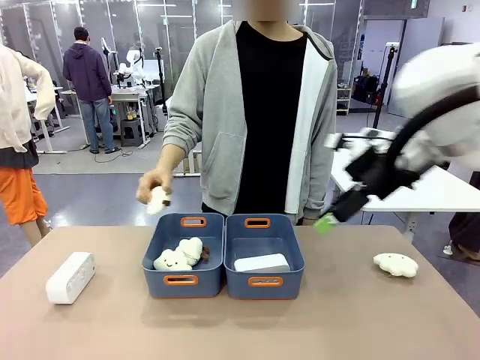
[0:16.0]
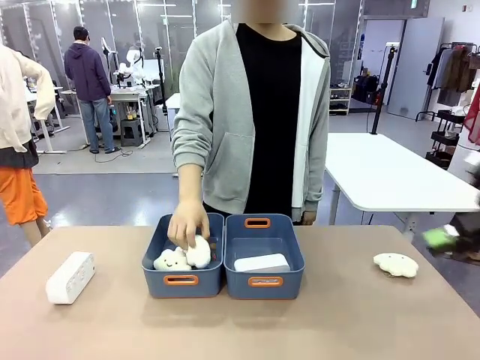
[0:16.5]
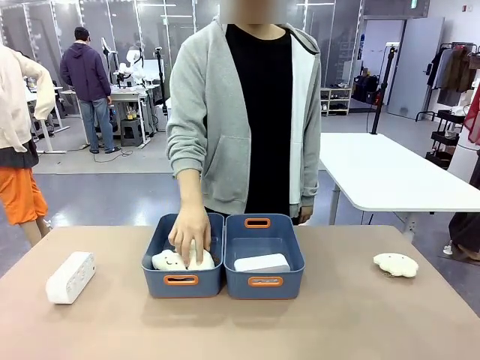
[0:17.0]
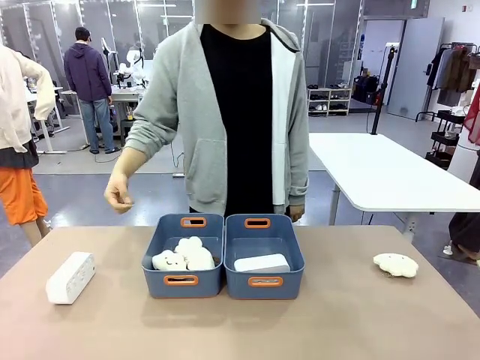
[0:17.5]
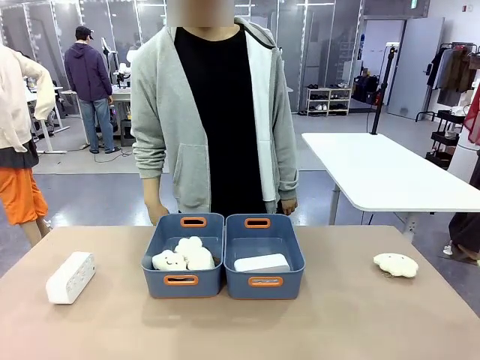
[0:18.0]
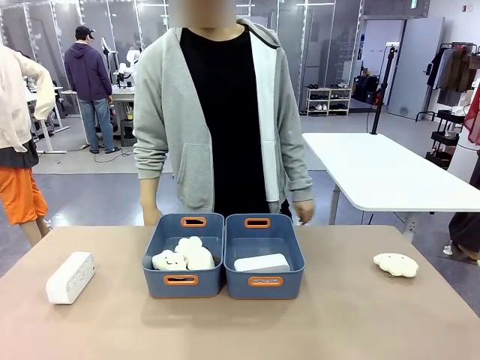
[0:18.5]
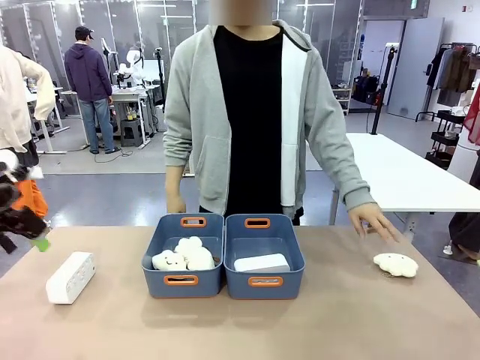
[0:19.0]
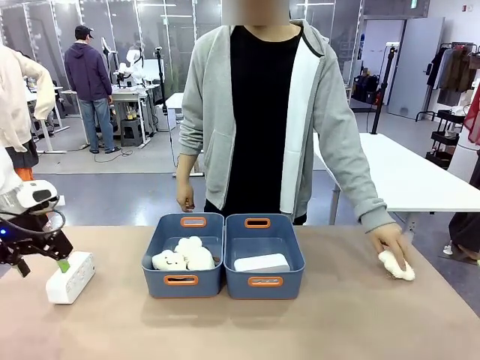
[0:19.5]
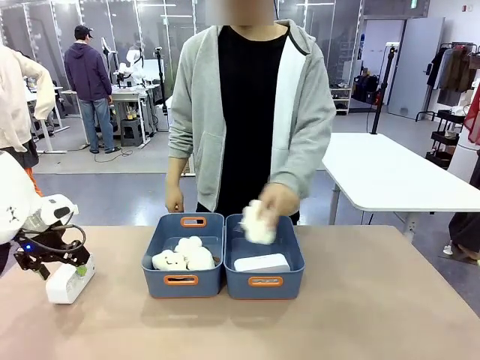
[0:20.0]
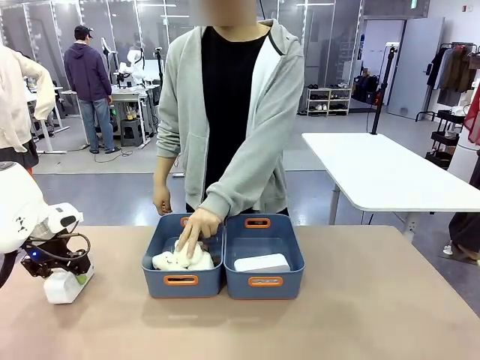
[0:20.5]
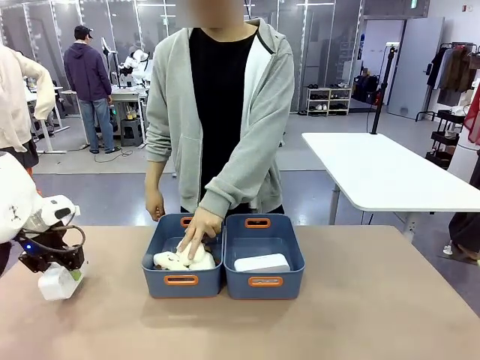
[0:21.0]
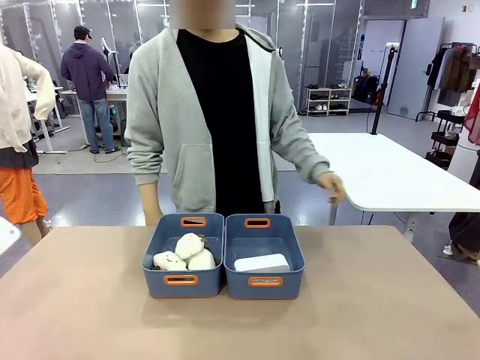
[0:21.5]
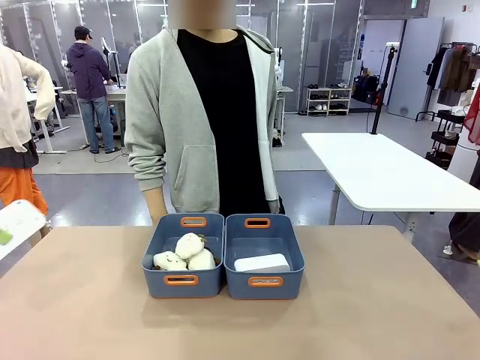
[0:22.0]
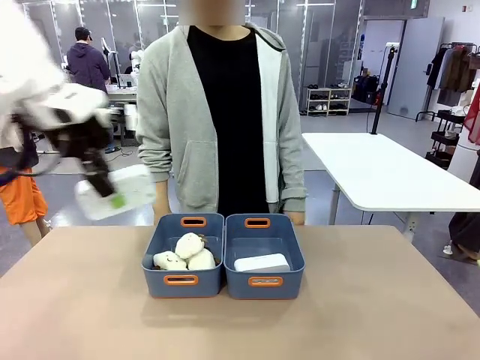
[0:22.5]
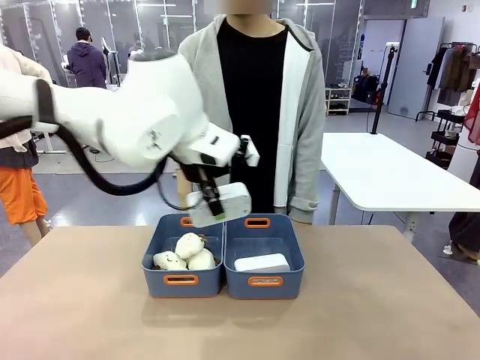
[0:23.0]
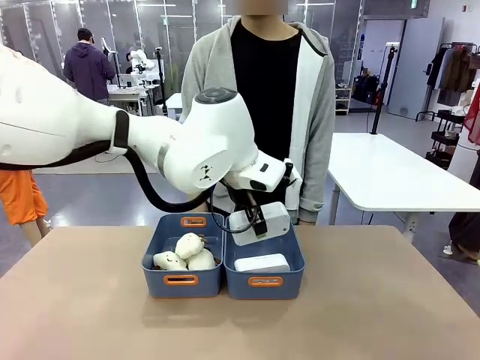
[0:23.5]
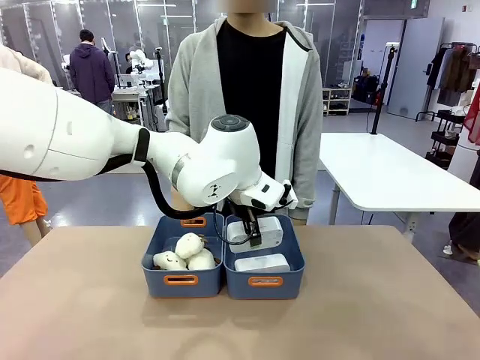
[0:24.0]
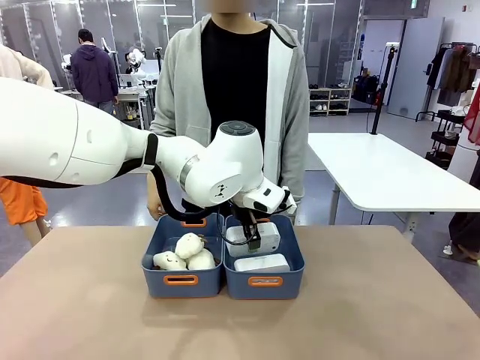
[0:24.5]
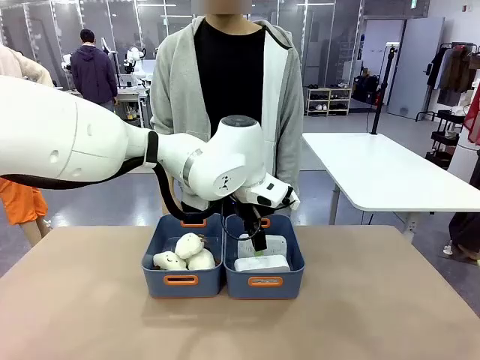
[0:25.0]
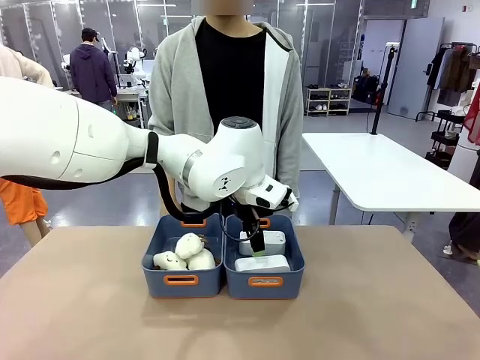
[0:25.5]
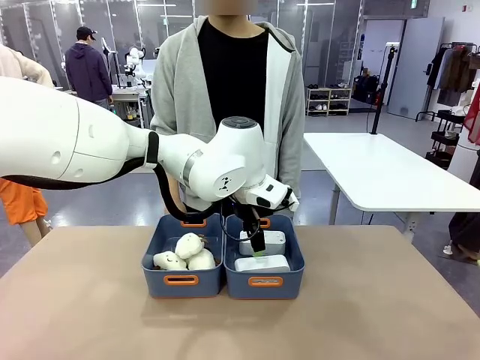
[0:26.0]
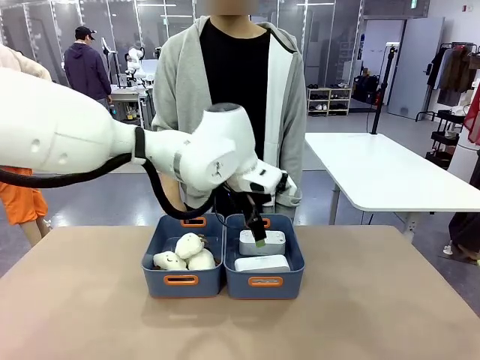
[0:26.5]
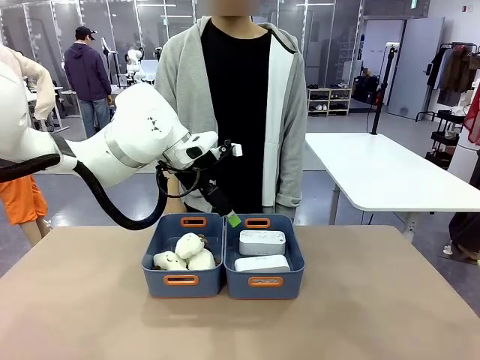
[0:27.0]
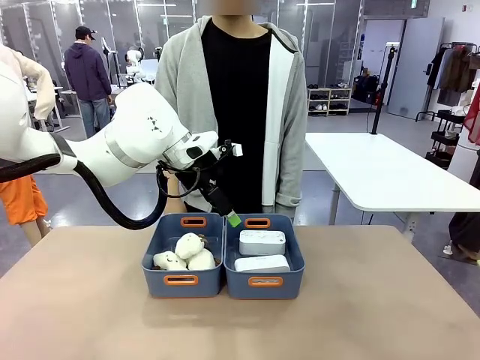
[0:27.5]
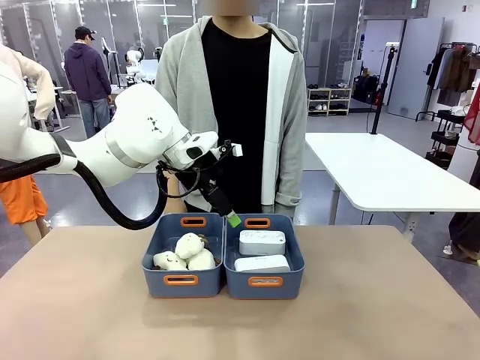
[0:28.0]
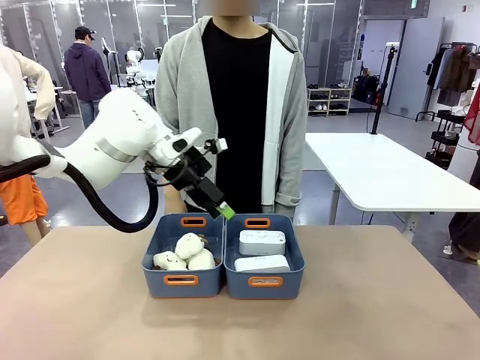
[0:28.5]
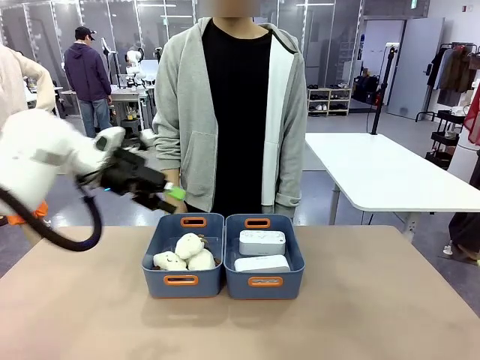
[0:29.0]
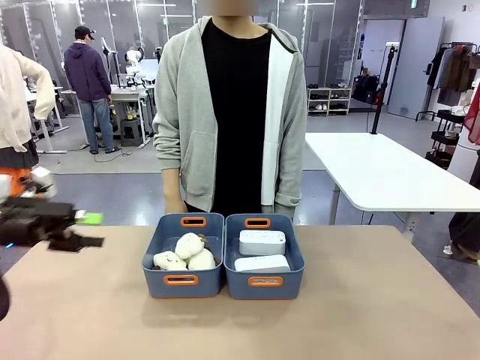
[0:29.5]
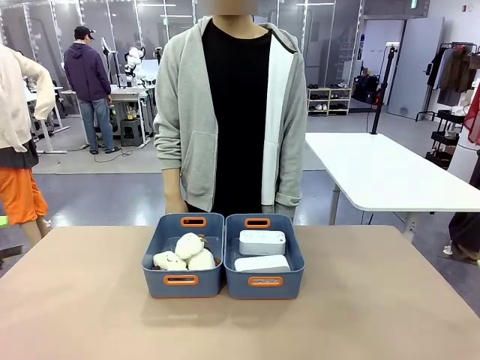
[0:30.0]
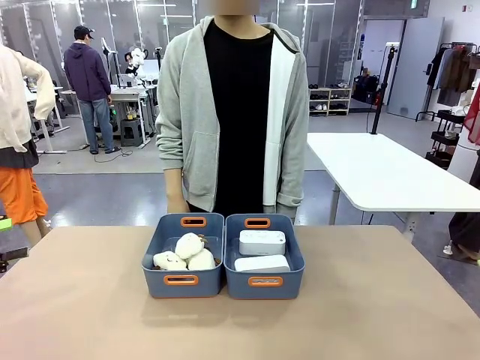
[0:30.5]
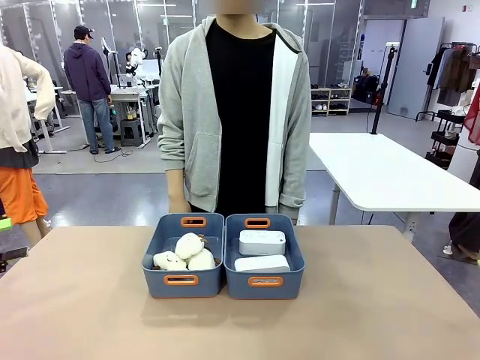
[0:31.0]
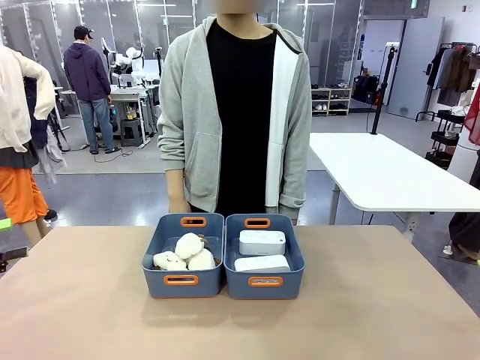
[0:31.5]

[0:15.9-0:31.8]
Task: Sort the digital clocks into the basket.
Robot: Pick up the Digital clock from the table and place it into the empty Plastic storage basket.
Person: Pick up a plush toy from the table and place it in the plastic storage basket containing the plush toy.

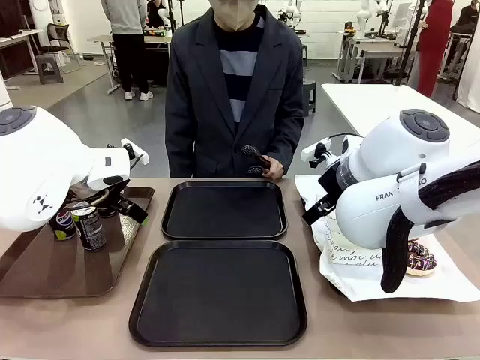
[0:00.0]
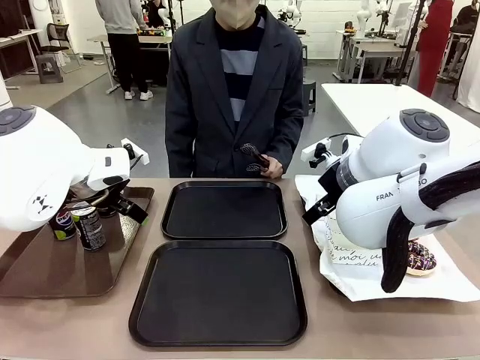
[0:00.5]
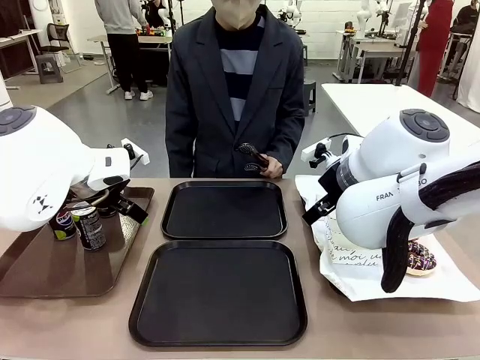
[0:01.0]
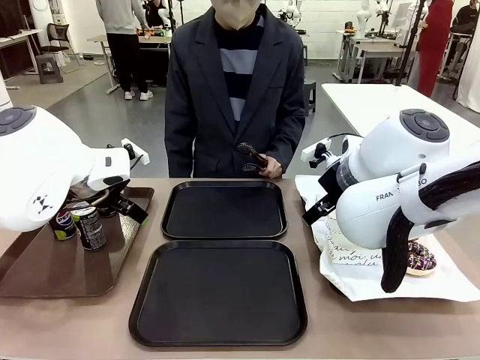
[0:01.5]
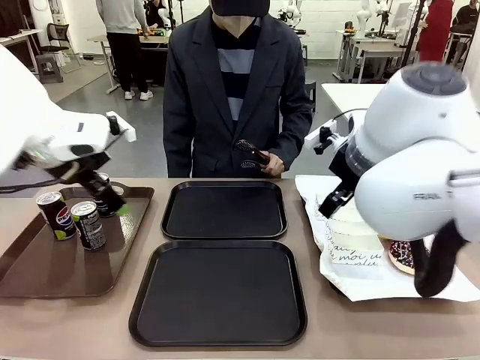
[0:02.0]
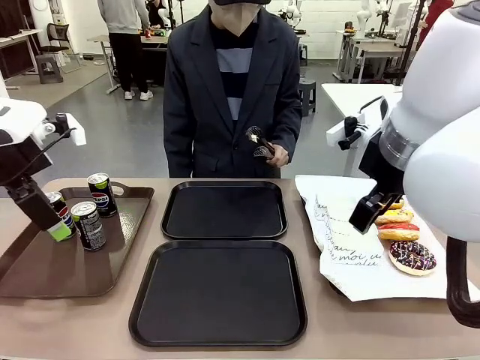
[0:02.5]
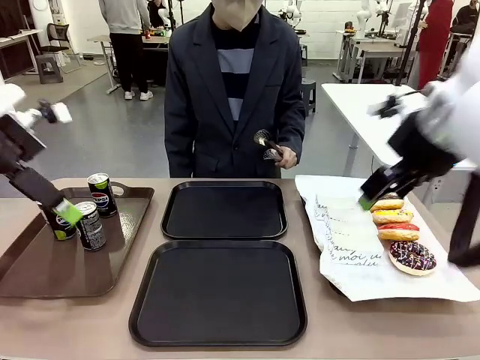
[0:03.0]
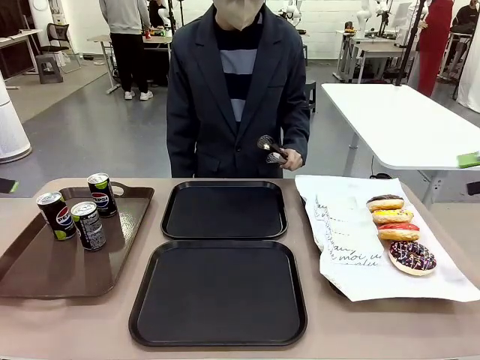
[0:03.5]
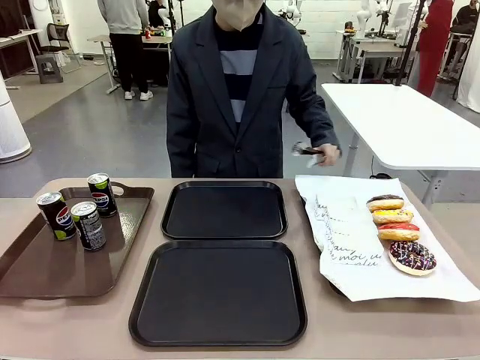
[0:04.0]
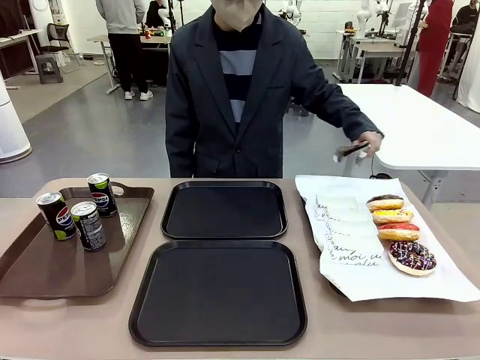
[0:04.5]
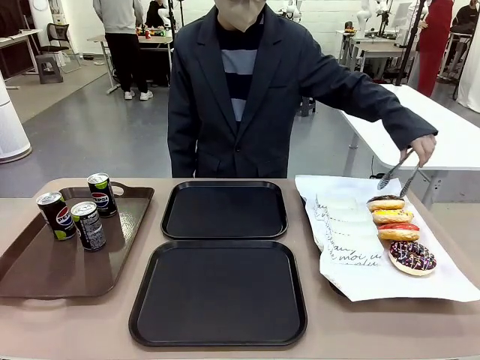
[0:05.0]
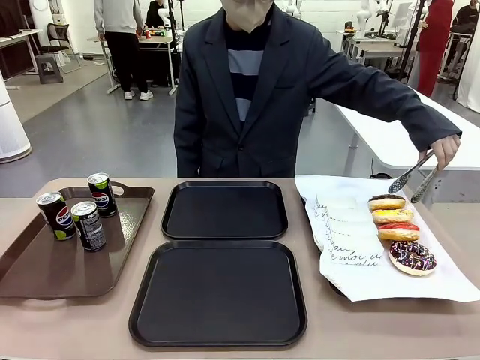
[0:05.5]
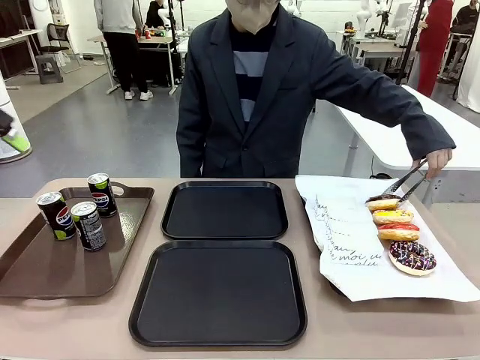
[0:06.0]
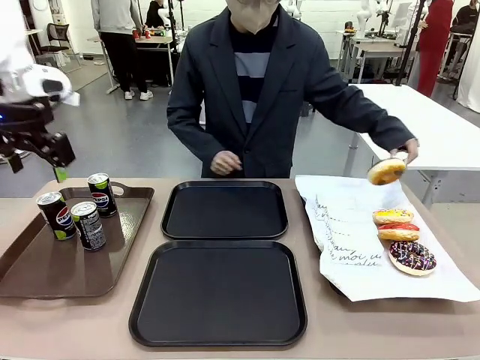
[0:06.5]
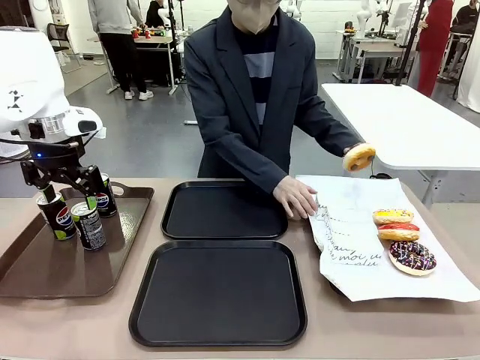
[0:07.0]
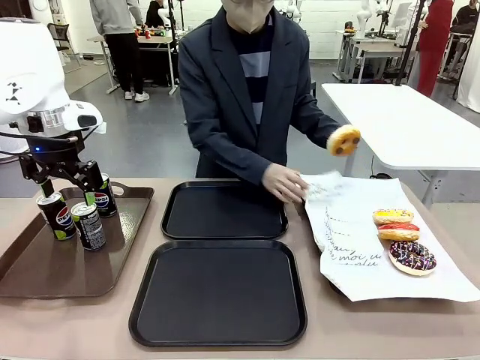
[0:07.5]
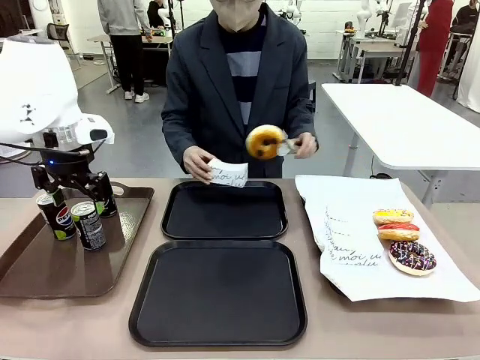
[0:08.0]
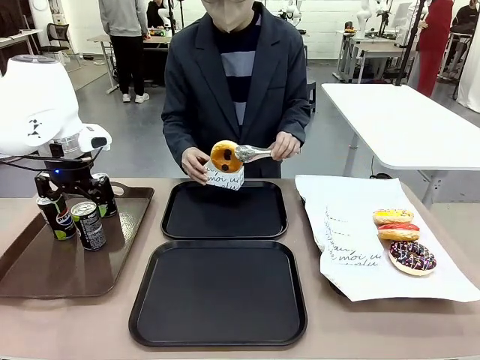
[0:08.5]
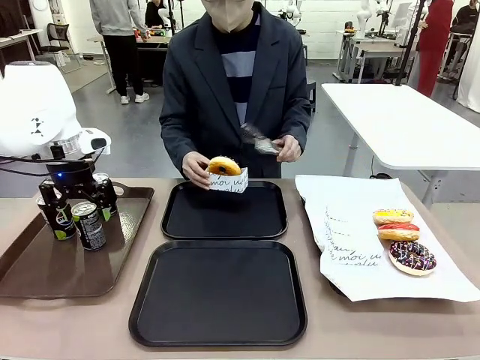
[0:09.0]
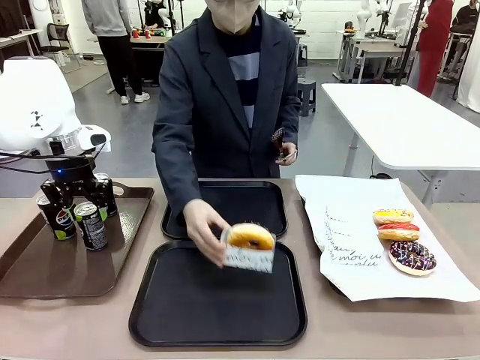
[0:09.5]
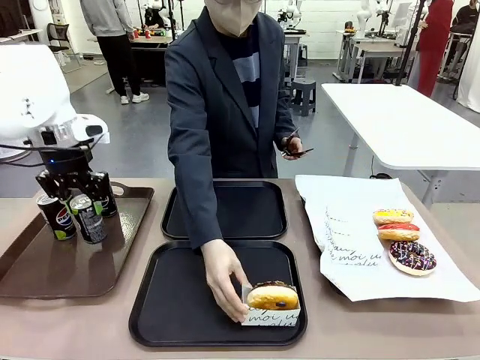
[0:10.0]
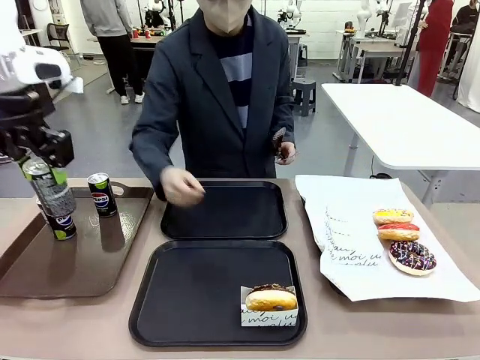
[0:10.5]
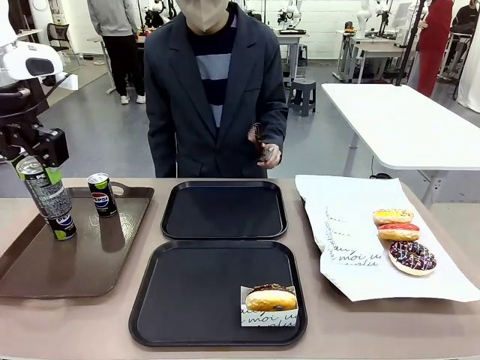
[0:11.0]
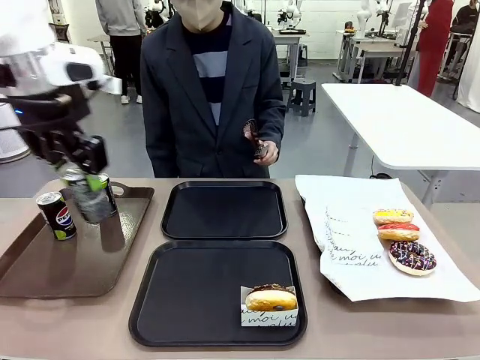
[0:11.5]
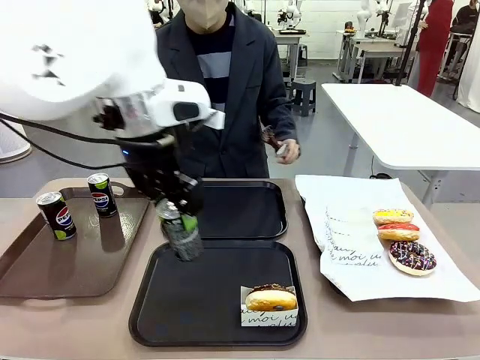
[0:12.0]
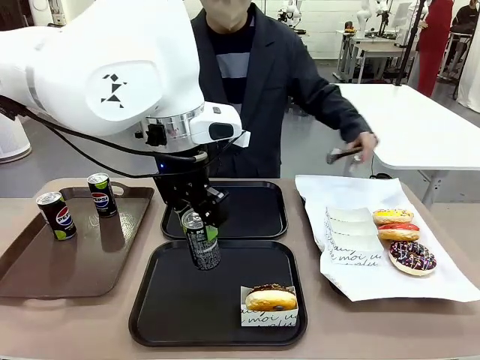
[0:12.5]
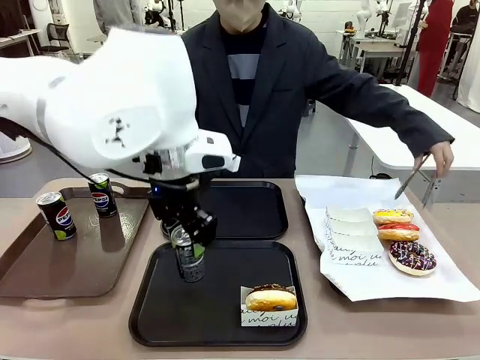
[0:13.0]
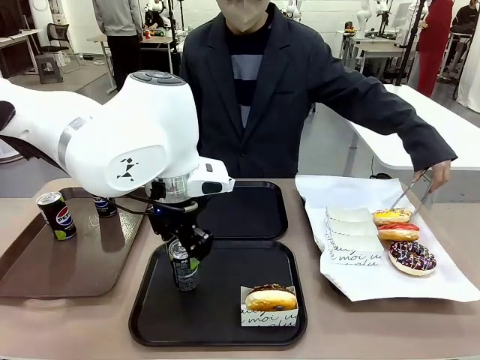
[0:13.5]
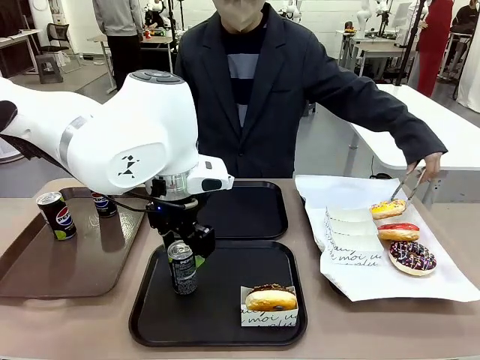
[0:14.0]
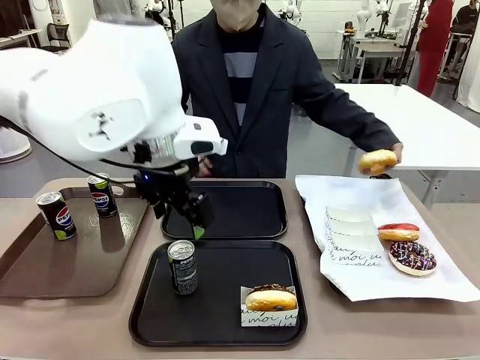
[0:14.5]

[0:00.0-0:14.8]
Task: Set up donuts and drinks on trays.
Robot: Pick up one Pepsi coke and place it on the Flat Tray.
